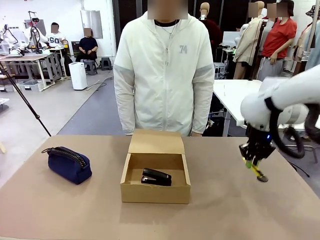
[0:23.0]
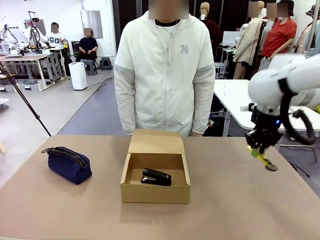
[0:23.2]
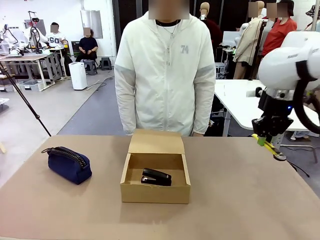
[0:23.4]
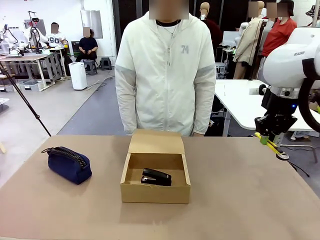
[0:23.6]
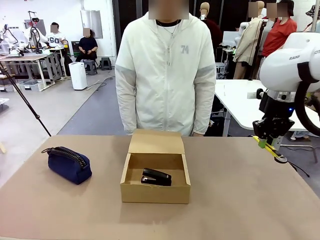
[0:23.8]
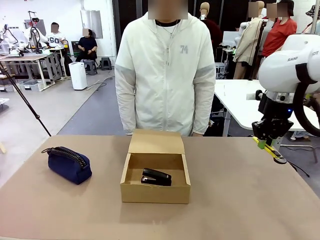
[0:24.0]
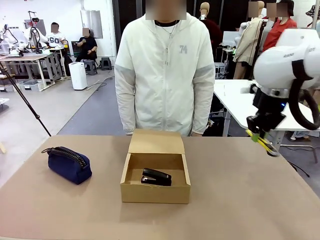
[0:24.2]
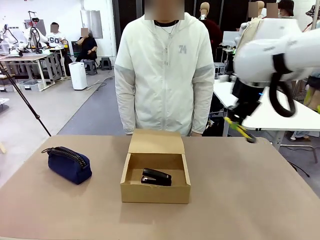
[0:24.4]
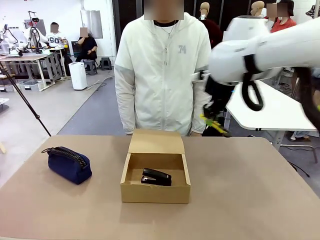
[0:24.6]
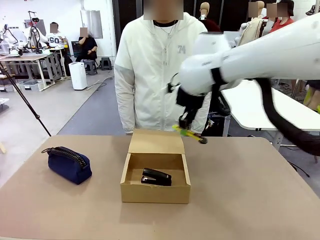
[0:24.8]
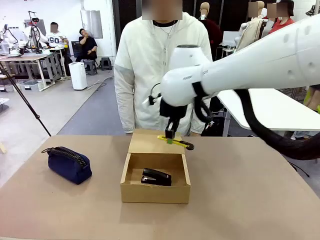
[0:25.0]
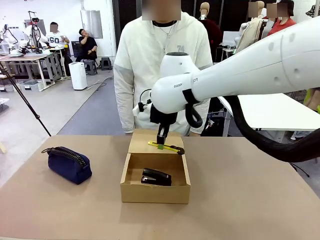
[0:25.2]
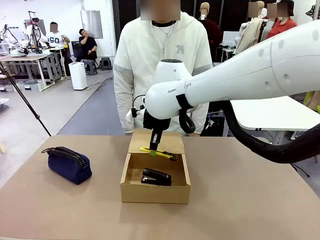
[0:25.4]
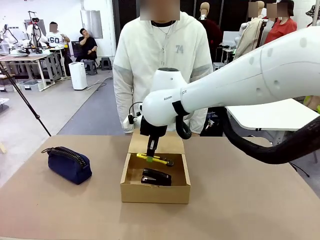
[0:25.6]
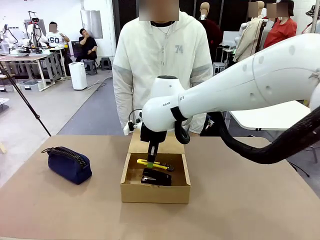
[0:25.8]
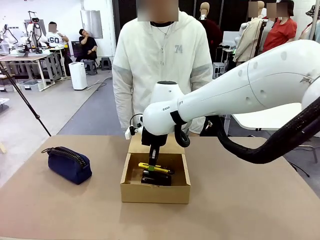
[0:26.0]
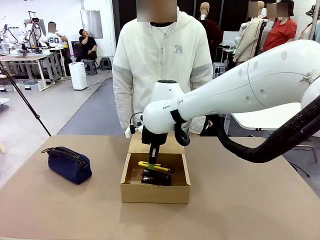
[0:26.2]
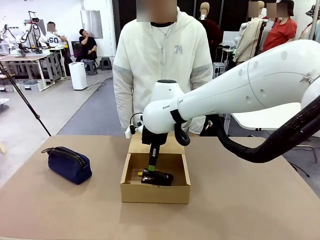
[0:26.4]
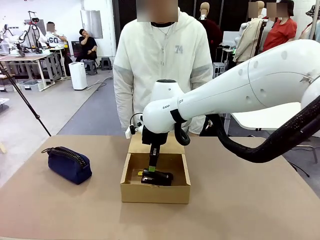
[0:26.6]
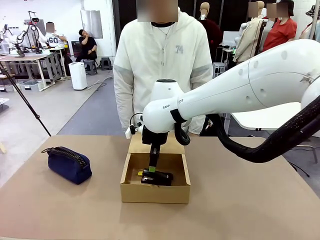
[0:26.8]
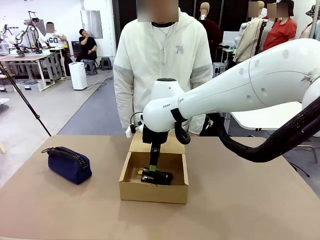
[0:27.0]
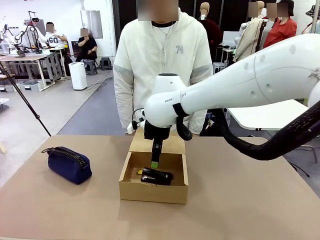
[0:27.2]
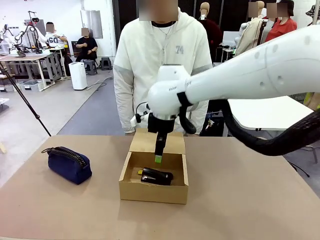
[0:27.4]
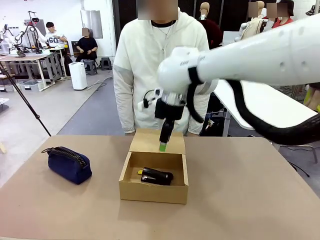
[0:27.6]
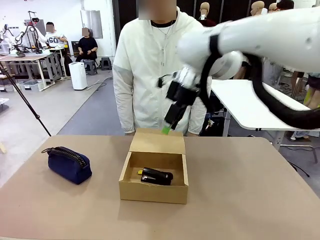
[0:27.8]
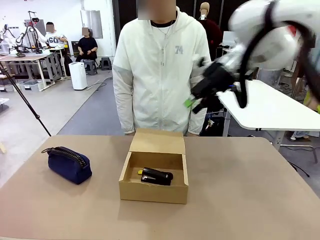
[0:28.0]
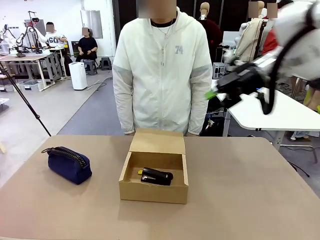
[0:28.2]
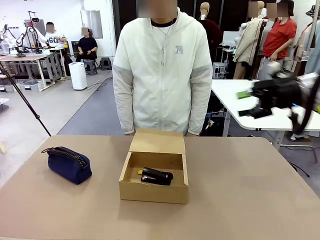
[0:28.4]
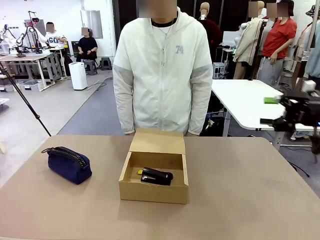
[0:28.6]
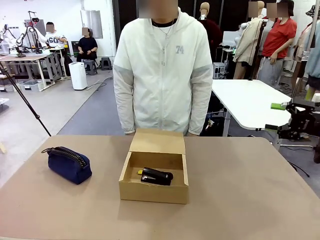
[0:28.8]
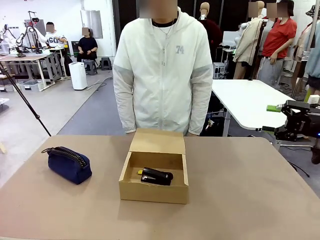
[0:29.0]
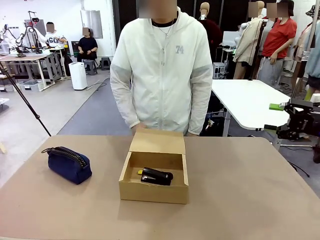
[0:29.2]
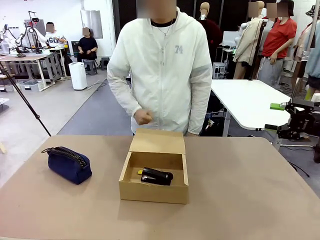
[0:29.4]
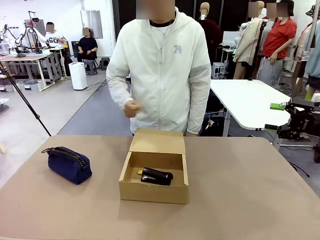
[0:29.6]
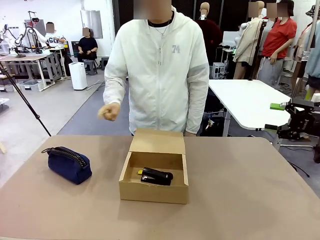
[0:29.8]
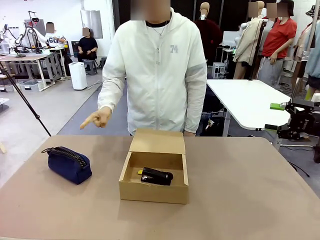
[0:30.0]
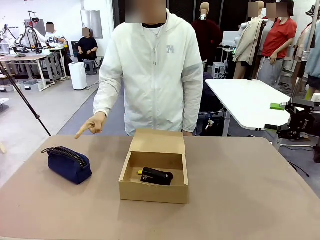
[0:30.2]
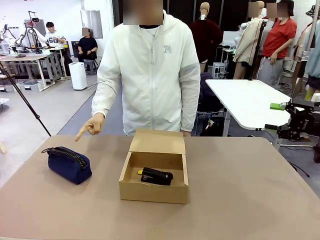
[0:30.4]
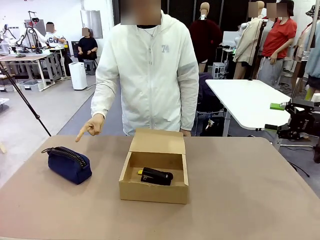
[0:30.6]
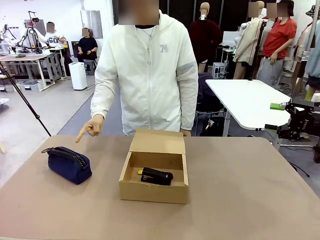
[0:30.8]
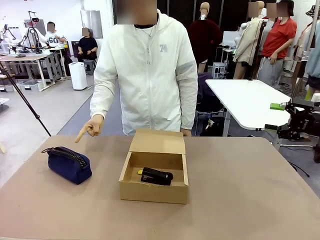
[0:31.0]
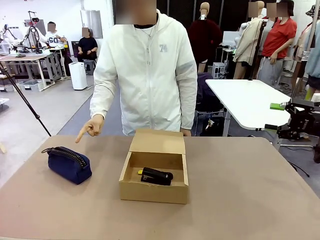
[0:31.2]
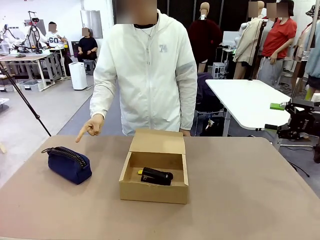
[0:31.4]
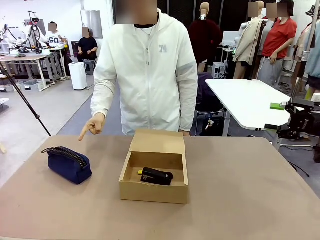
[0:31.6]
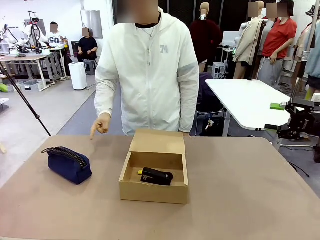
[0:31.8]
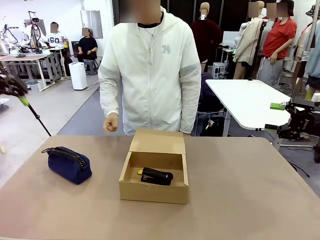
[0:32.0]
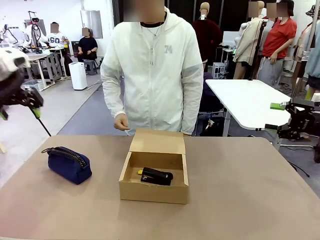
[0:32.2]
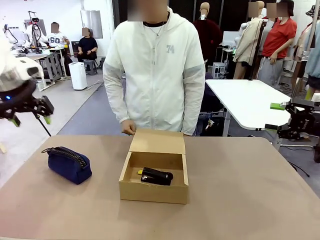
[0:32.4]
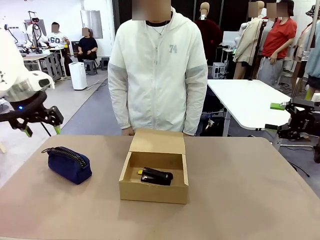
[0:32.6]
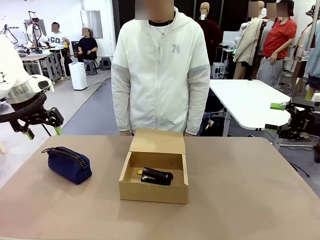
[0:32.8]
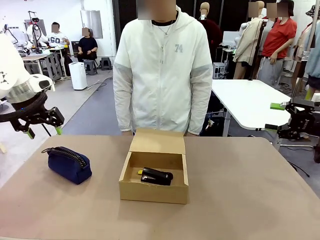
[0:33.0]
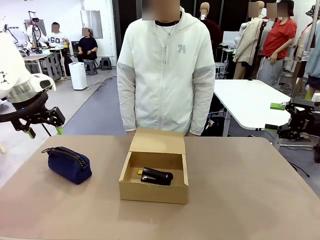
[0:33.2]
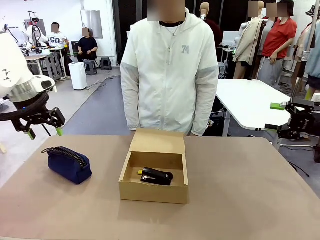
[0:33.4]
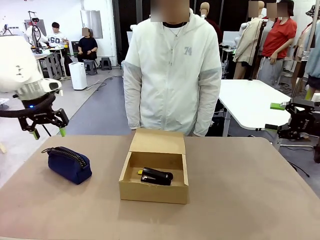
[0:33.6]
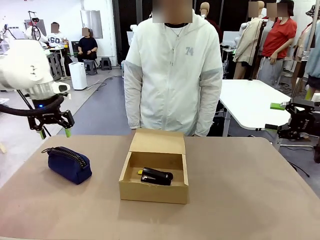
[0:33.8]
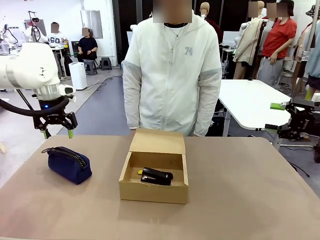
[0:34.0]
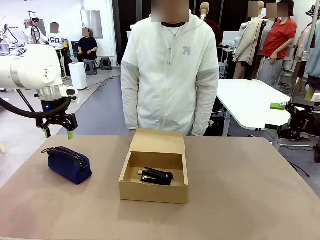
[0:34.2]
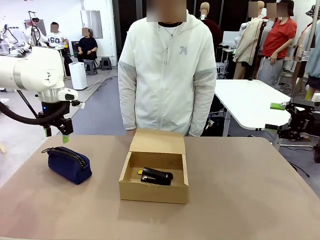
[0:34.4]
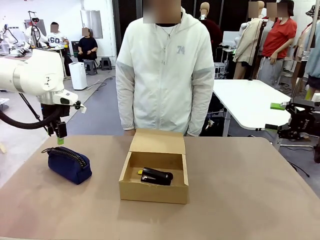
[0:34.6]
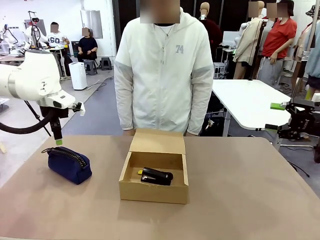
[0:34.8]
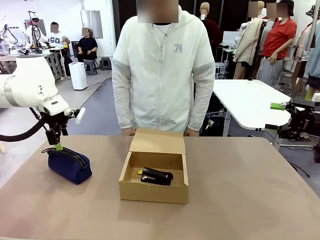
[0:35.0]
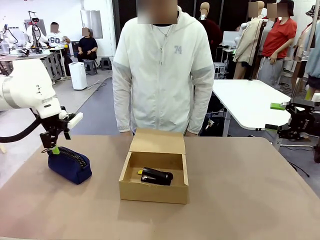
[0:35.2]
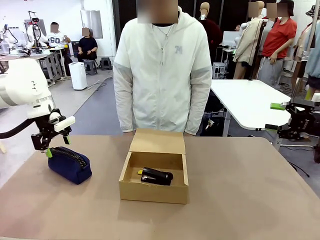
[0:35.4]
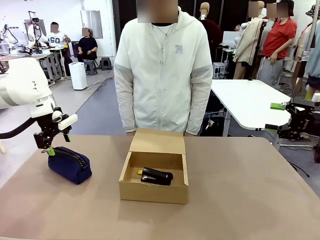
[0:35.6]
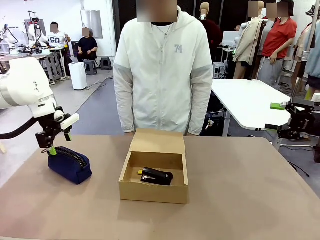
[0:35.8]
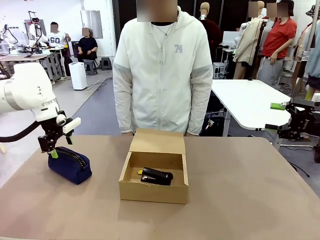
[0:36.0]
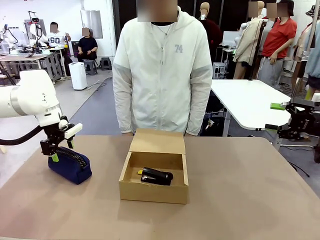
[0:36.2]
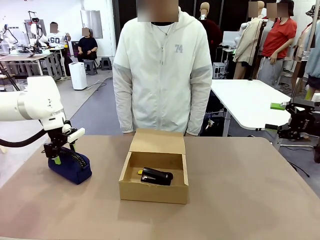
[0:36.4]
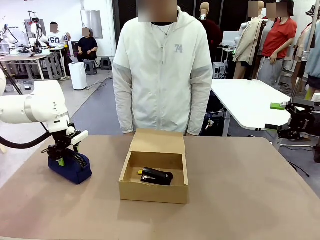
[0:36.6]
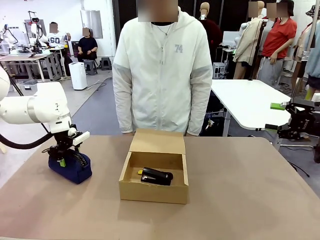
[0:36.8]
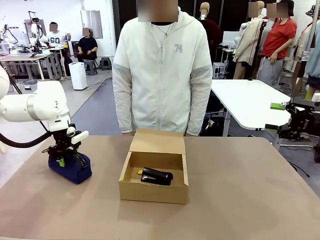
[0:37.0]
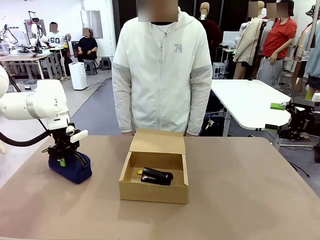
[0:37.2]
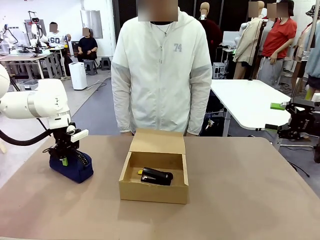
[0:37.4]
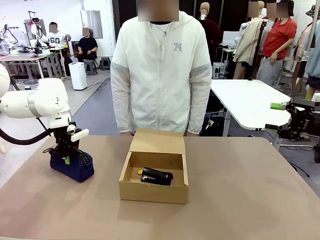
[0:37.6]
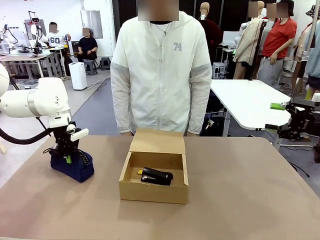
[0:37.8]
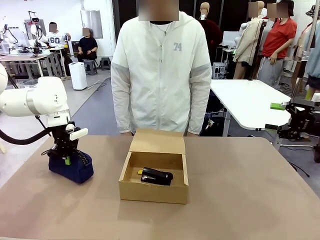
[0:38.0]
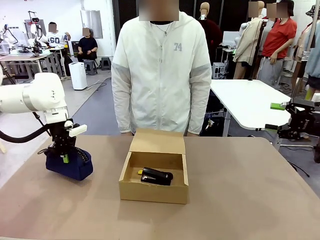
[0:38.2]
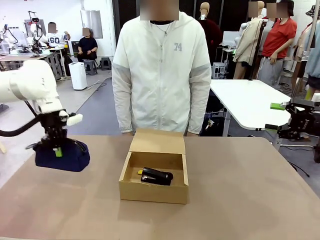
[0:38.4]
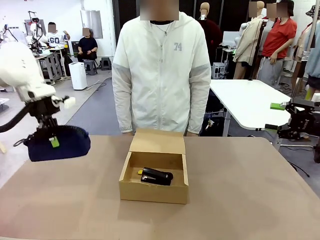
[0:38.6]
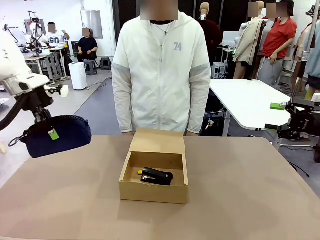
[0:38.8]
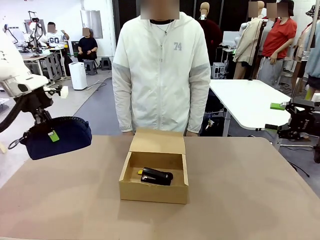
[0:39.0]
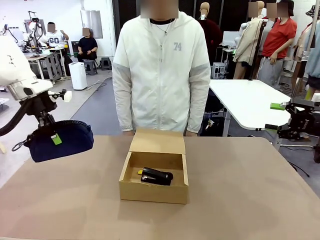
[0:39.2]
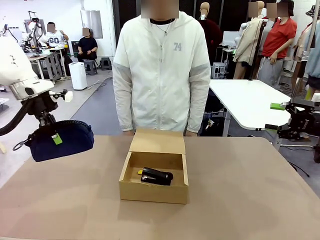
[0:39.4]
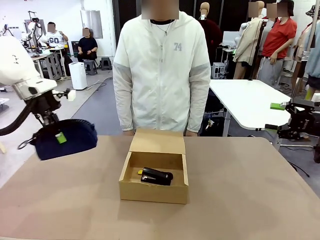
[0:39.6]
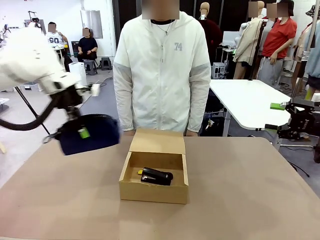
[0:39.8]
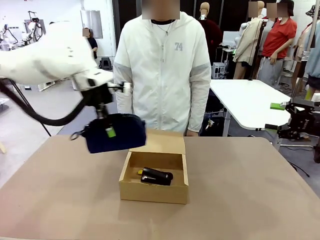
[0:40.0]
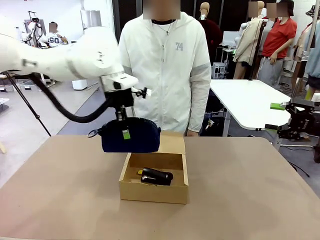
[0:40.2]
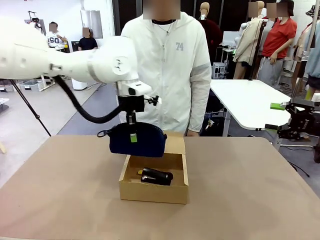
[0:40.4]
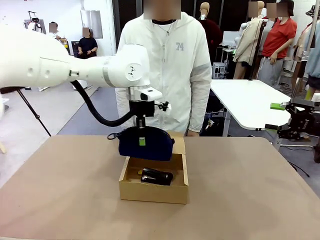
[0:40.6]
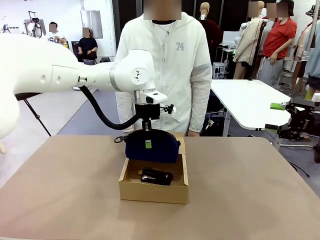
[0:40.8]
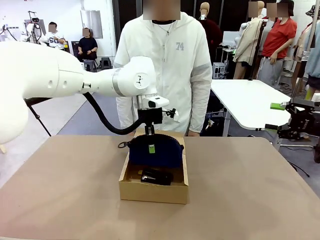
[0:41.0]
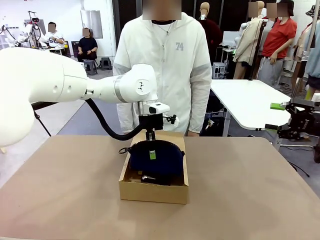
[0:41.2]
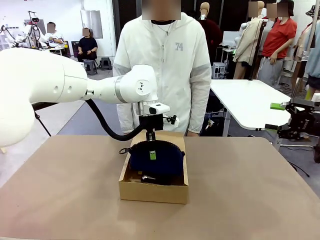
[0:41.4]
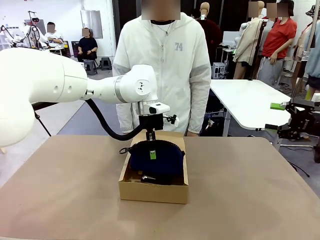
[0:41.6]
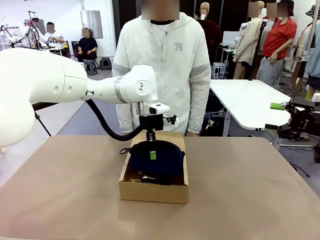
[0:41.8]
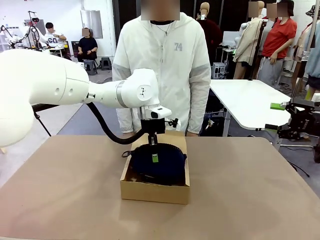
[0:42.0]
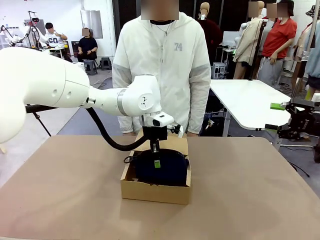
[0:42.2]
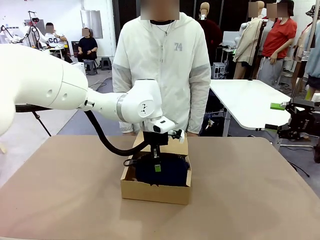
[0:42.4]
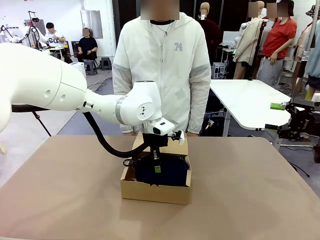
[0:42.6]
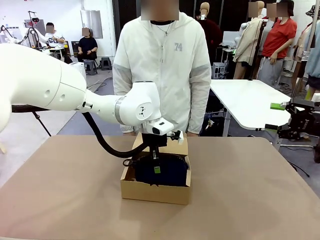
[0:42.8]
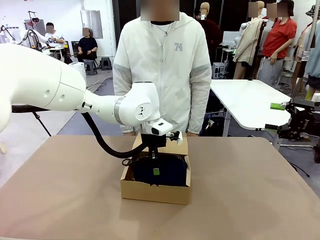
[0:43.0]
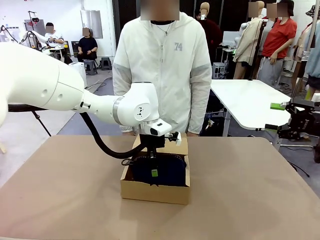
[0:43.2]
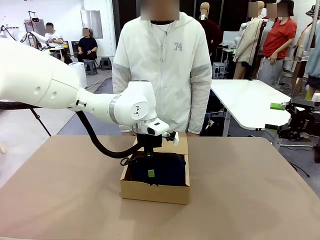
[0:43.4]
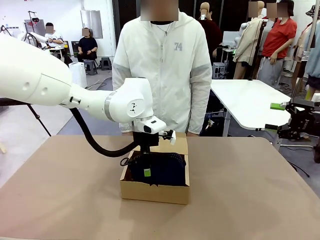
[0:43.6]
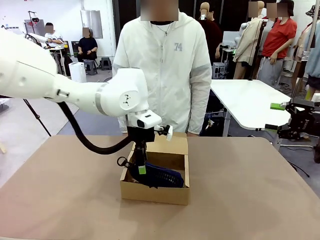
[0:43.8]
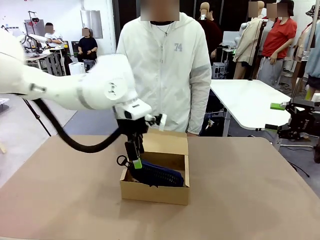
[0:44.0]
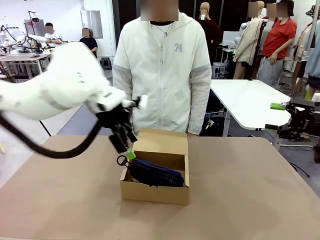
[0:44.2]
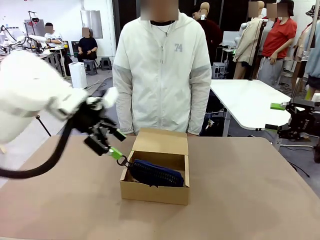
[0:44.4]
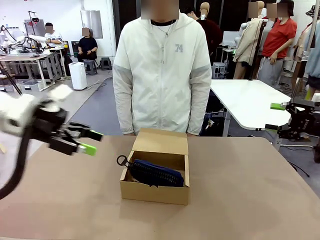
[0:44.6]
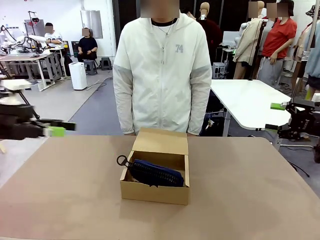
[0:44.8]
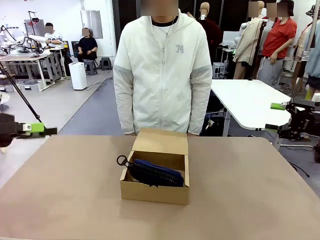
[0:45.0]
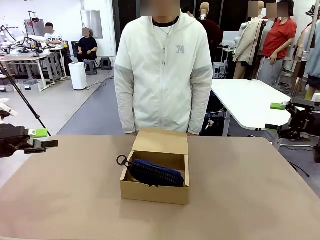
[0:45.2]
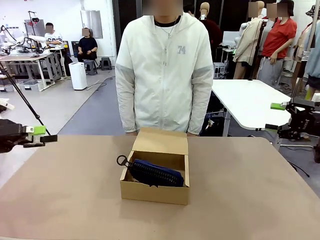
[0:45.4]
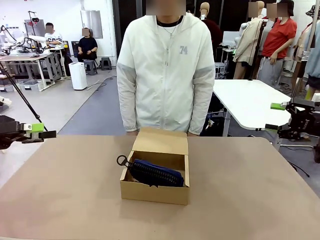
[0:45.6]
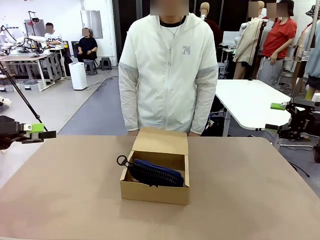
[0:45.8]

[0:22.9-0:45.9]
Task: Pack the items into the box.
Robot: Pick up the item indicated by the person and place it inside the Mailer Box.
Person: Lower both hands vertically with palms facing downward, as if pressing something closed.
